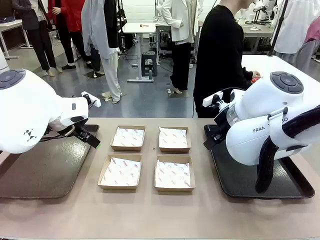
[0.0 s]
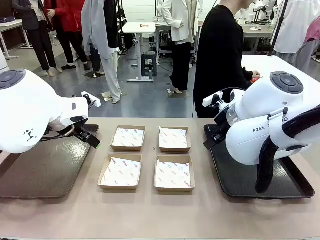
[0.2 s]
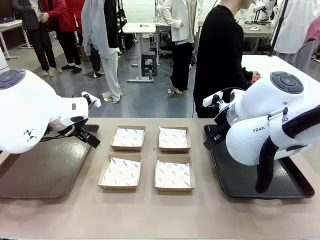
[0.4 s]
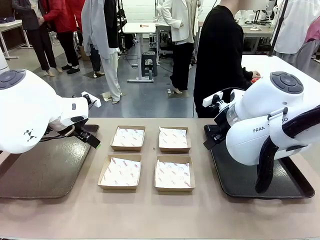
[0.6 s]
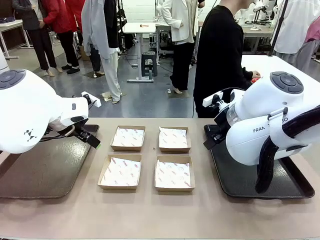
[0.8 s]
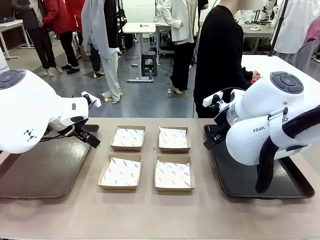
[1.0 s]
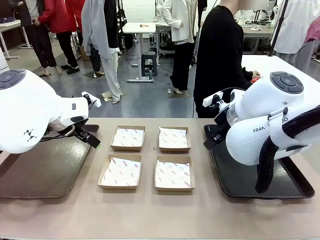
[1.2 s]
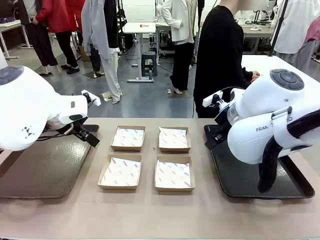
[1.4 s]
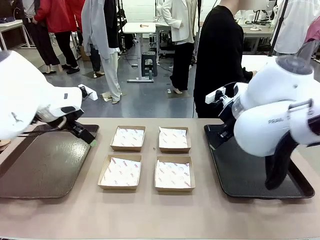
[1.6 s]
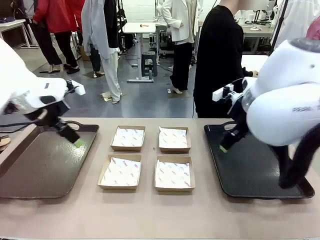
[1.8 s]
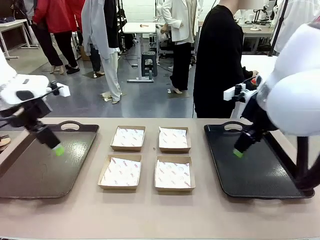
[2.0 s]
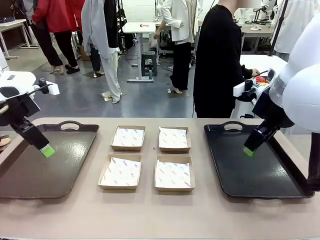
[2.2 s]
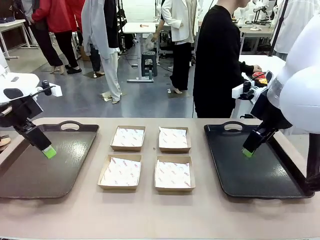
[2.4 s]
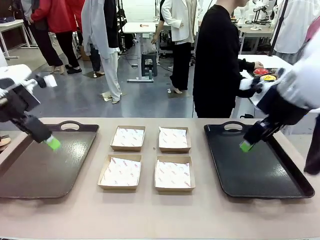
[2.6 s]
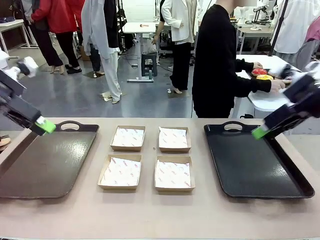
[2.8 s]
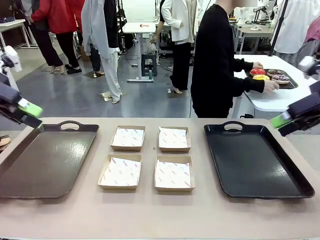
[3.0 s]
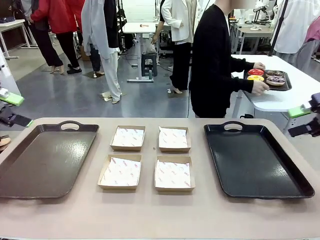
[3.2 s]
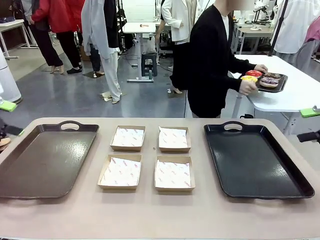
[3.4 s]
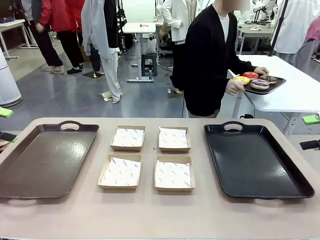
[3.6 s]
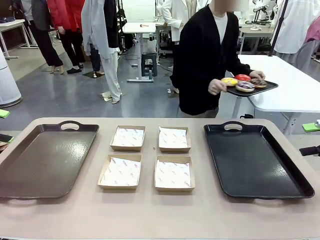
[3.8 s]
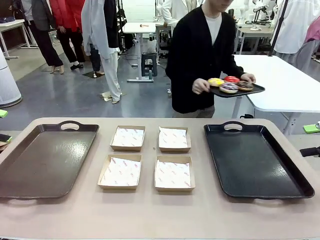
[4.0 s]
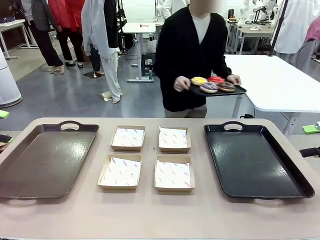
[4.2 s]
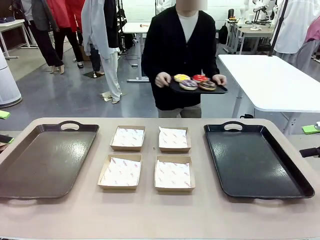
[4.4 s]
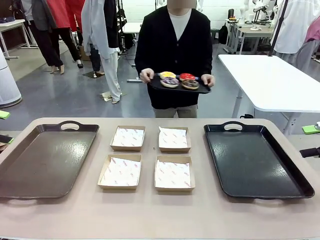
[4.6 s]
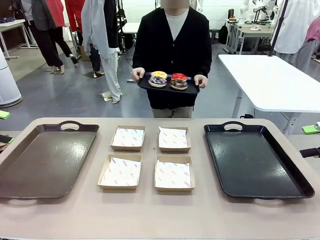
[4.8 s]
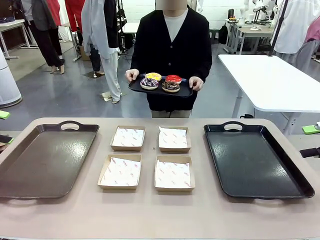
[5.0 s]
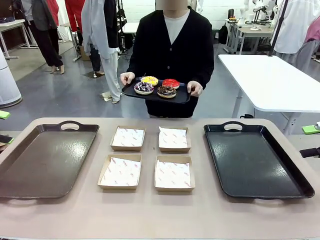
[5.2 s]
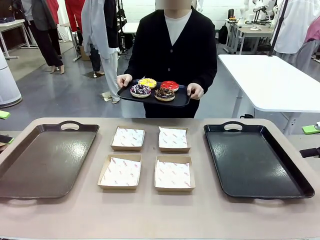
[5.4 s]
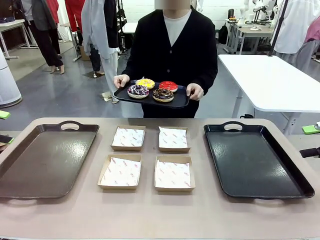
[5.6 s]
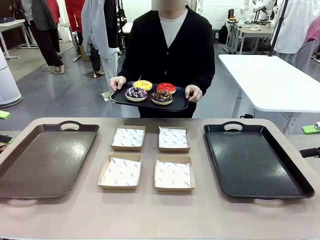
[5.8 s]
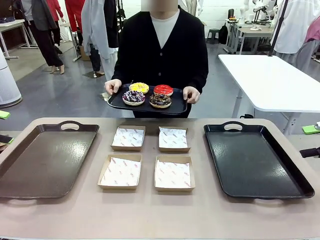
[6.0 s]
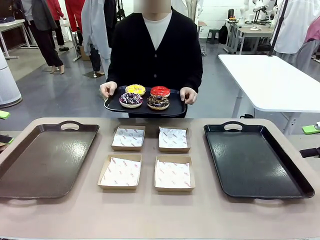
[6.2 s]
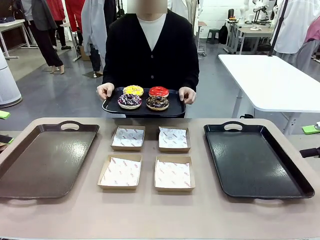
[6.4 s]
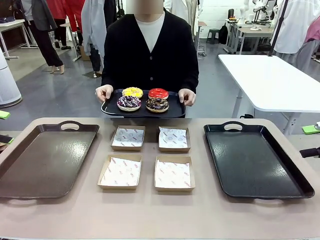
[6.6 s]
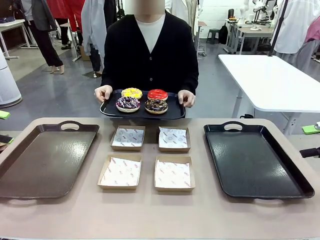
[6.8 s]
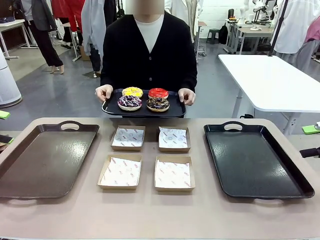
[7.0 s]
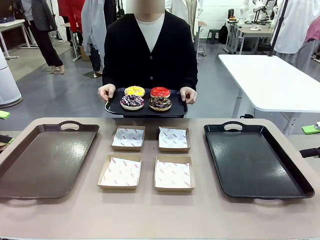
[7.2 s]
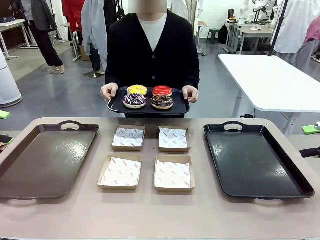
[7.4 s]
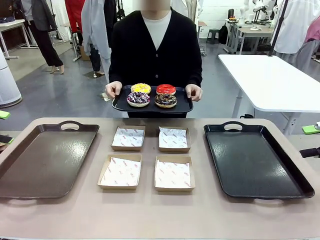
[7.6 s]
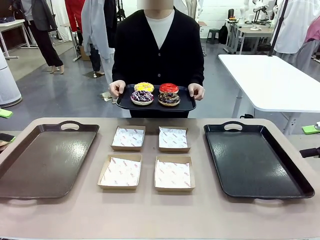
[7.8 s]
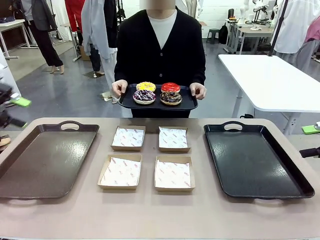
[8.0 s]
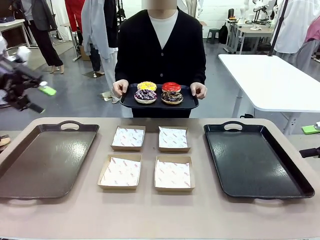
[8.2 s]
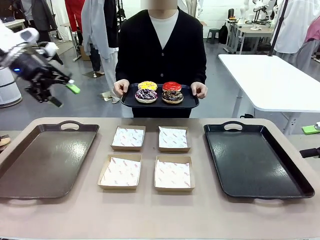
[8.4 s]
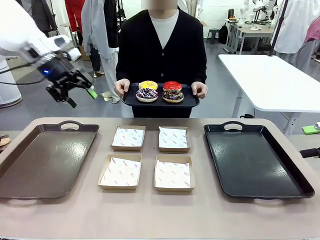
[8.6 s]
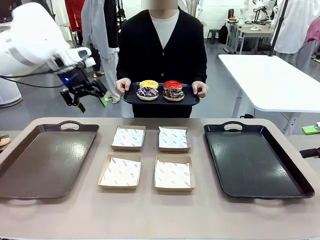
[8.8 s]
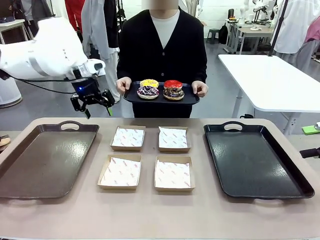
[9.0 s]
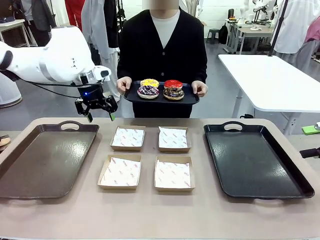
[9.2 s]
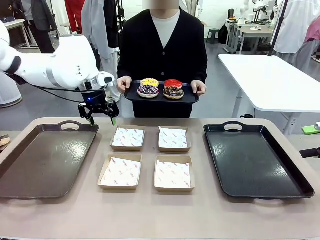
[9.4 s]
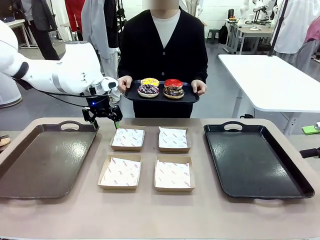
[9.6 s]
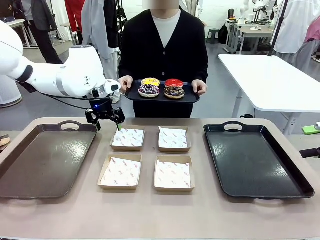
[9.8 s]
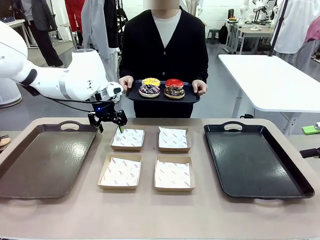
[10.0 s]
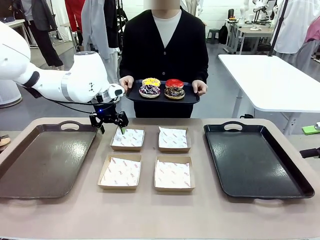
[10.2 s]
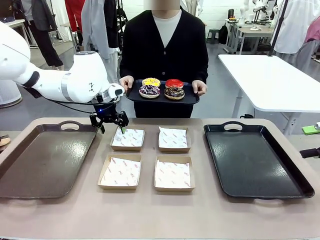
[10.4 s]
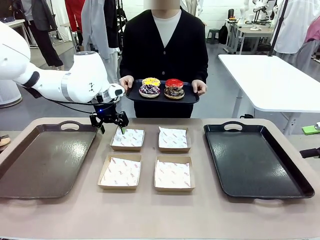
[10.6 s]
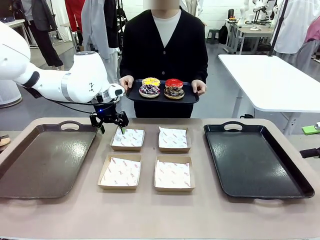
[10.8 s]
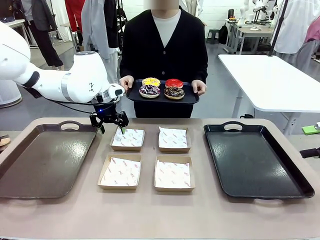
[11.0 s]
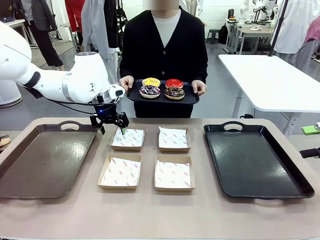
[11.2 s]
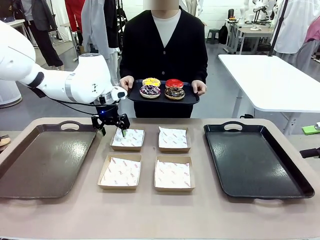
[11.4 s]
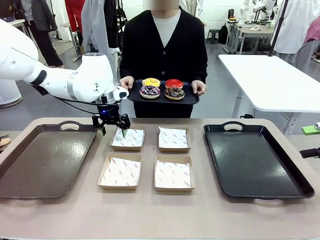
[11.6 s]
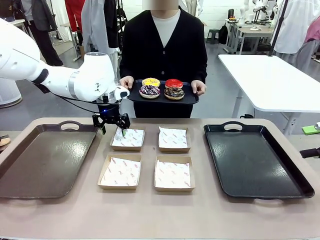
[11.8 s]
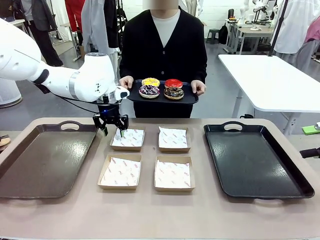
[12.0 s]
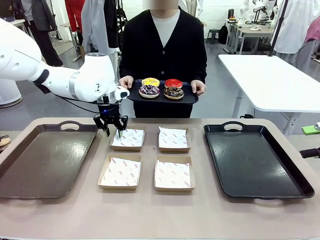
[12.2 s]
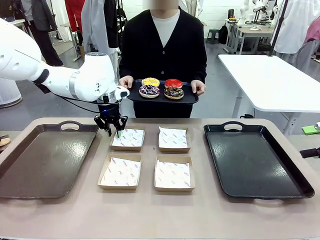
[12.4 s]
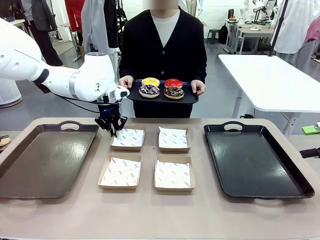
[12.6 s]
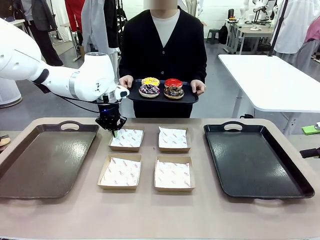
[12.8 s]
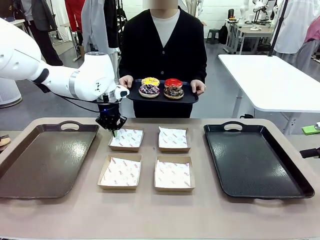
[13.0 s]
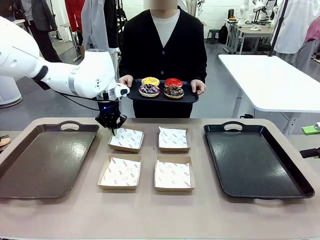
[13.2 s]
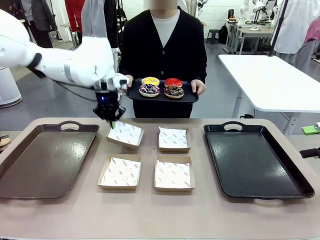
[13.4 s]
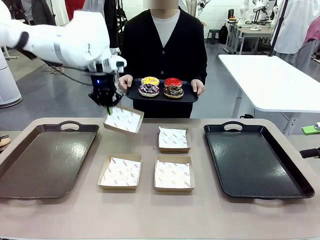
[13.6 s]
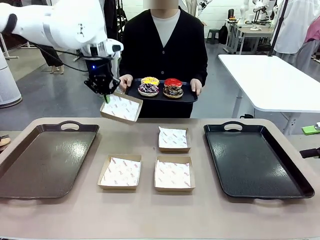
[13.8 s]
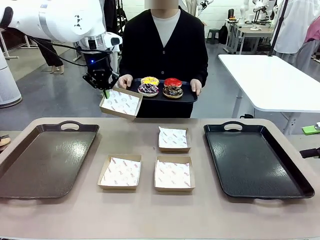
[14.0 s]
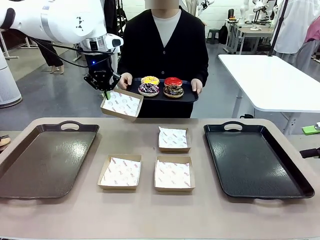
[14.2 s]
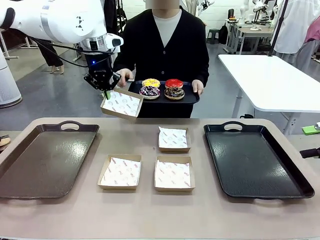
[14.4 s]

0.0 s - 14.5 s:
Task: Individually package the donuts and arrange them on the tray.
Robot: Pick up one Paper togo box.
Person: Stand in front of the robot table holding the tray containing the donuts.

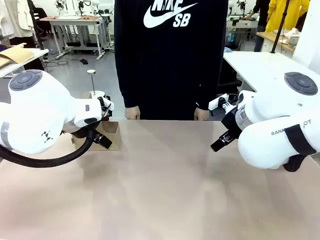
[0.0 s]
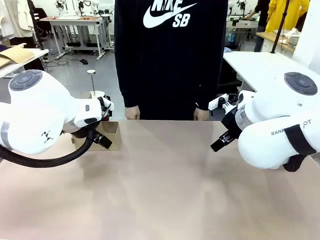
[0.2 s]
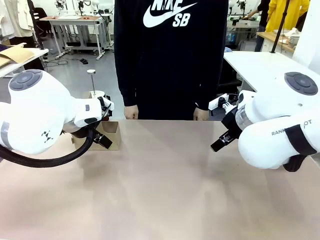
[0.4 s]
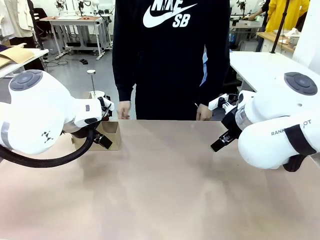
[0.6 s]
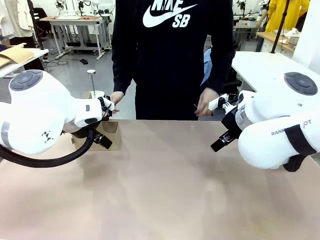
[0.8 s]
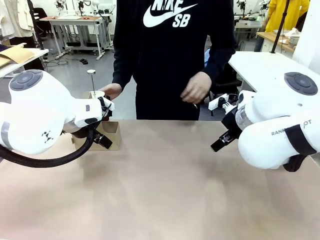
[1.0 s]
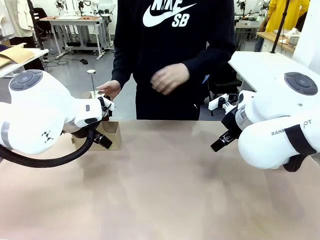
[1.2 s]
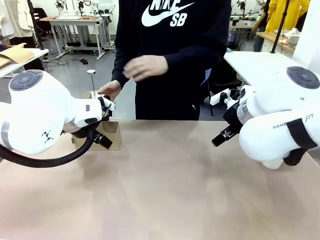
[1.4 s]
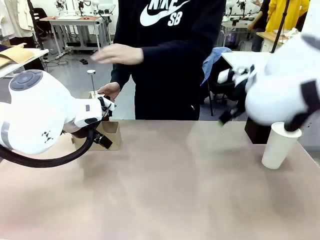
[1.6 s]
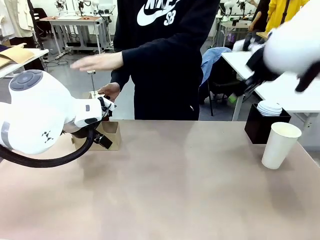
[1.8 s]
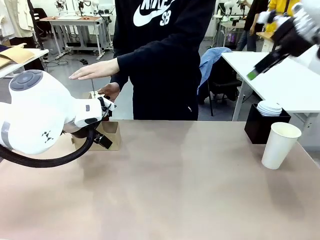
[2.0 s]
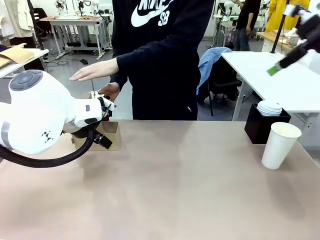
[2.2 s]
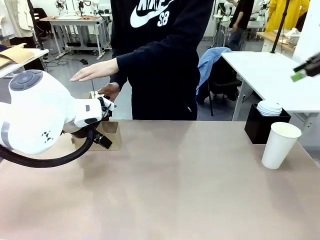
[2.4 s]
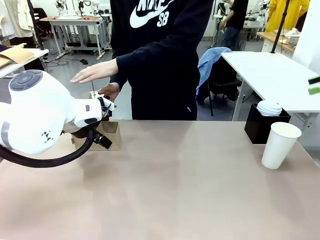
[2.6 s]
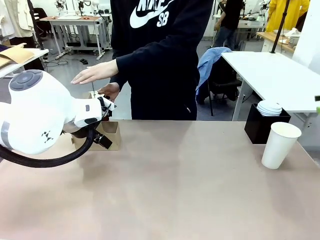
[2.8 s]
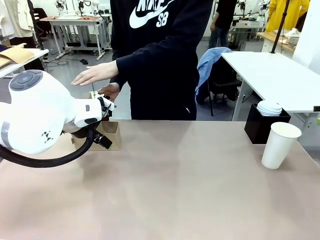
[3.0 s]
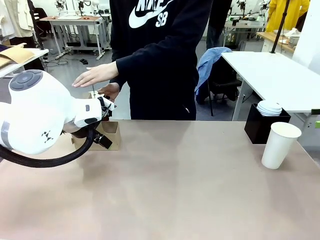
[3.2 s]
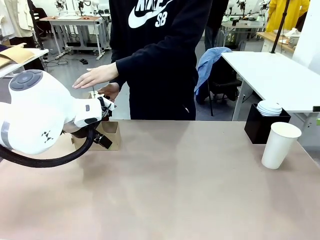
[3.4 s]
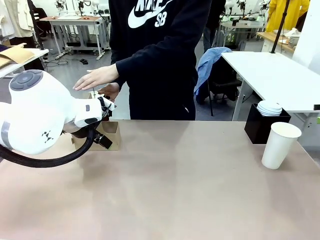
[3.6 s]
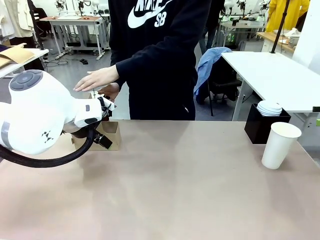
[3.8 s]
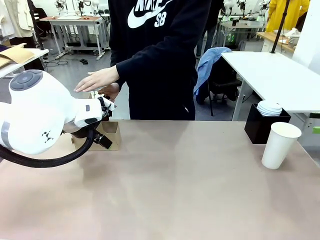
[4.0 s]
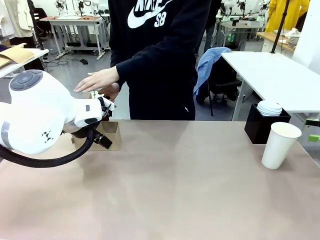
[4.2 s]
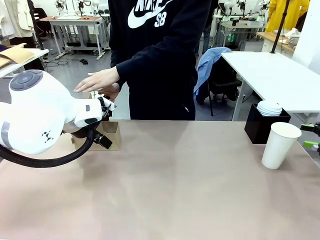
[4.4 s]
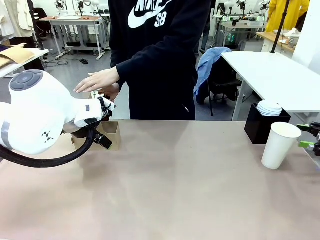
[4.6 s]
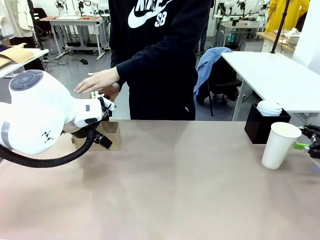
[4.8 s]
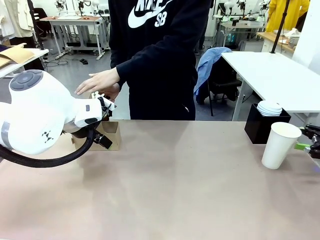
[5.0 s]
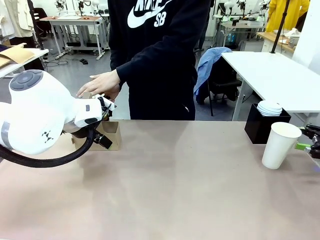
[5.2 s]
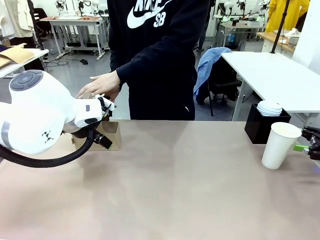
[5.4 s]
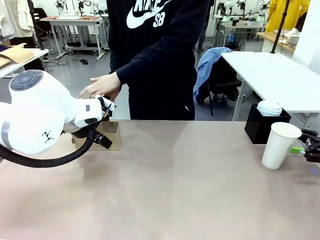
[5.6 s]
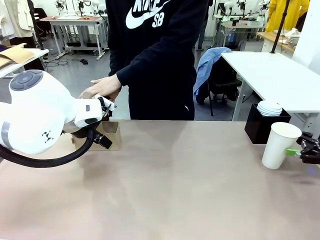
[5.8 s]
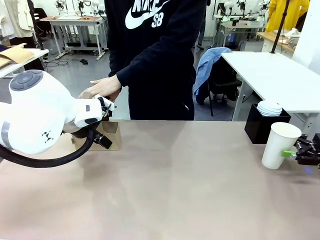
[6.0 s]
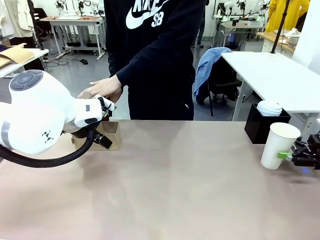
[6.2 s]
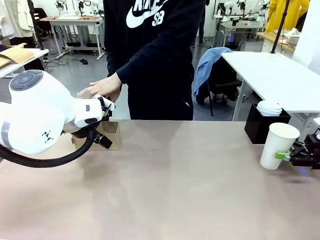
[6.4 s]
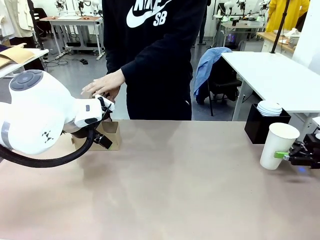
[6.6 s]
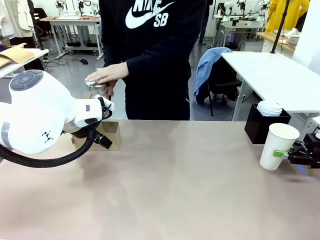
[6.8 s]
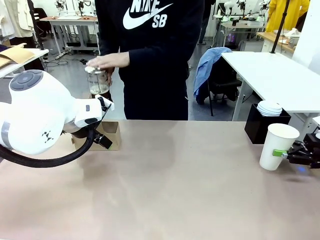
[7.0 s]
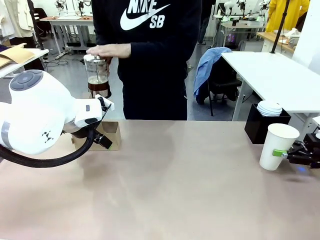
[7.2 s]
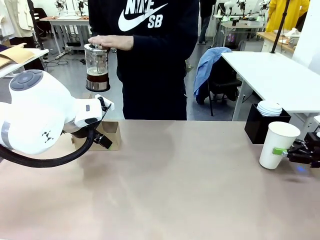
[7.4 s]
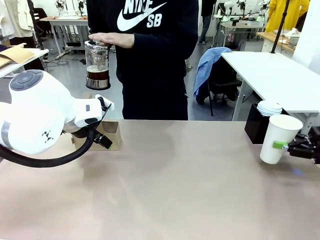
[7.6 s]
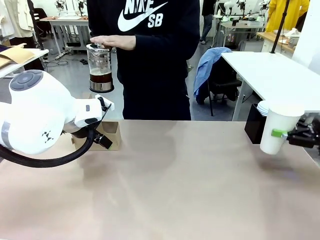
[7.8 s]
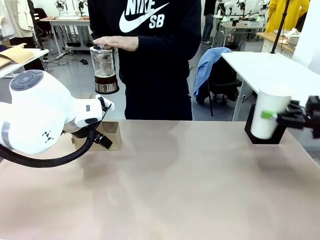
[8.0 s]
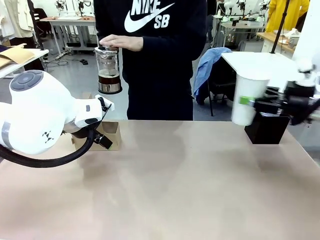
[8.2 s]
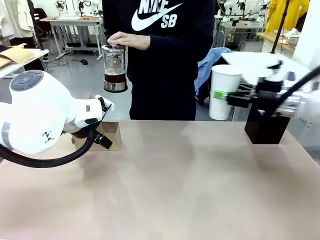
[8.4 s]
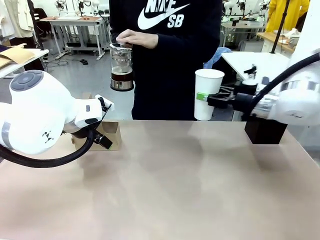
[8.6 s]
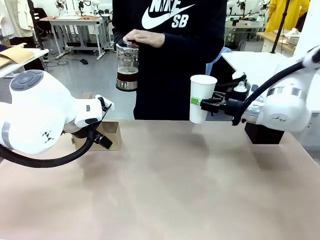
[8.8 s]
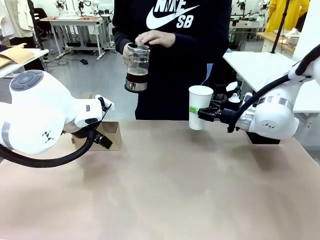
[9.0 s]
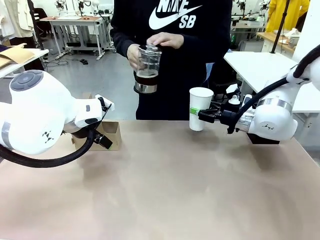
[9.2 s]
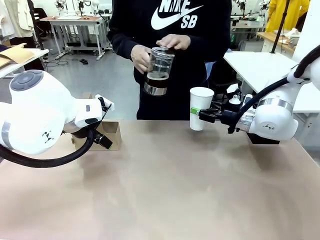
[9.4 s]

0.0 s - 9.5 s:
Task: Pour a drink into a cup and package it in a carrier.
Robot: Pick up the 600 ml Paper Cup and place it in the middle top area of the table.
Person: Press and pick up the Filter Brewing.
